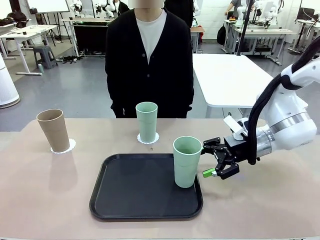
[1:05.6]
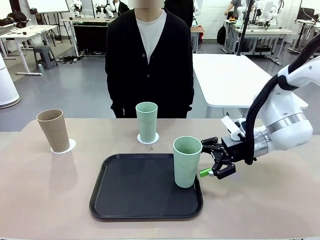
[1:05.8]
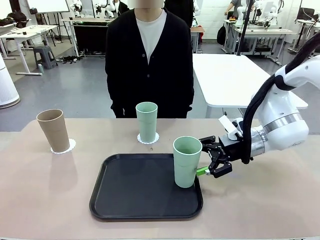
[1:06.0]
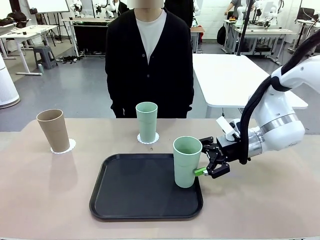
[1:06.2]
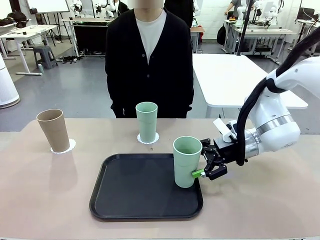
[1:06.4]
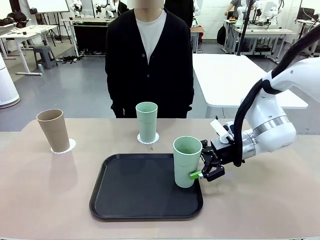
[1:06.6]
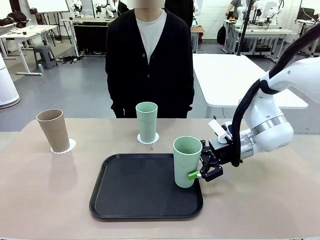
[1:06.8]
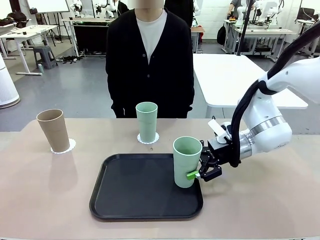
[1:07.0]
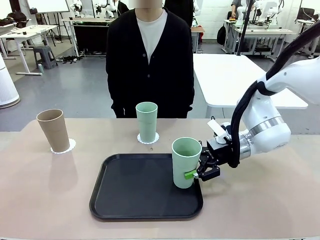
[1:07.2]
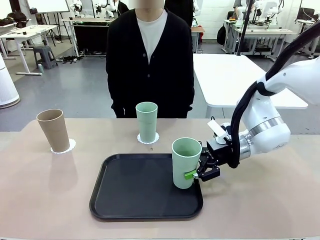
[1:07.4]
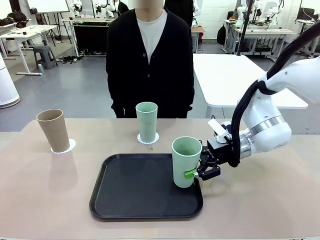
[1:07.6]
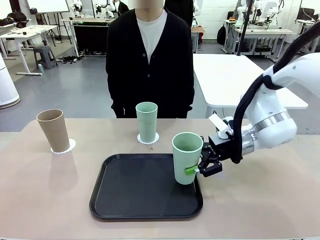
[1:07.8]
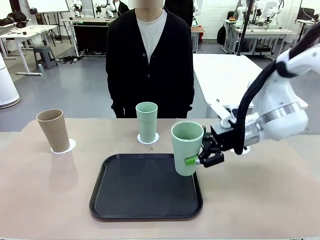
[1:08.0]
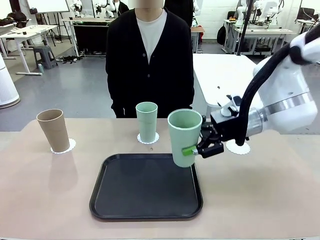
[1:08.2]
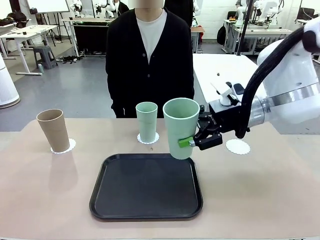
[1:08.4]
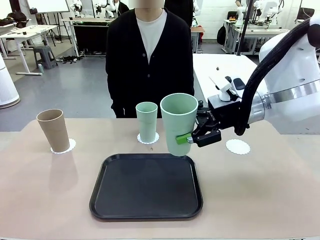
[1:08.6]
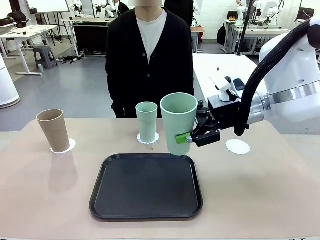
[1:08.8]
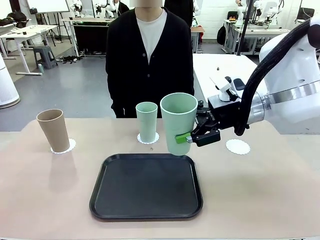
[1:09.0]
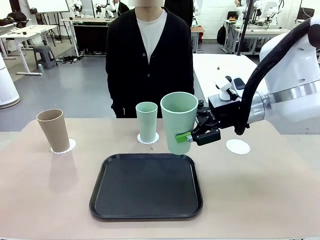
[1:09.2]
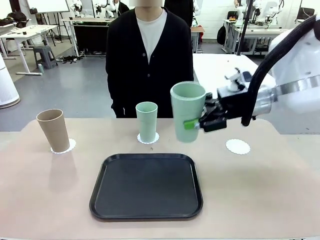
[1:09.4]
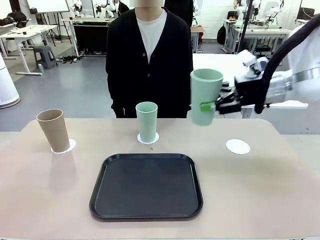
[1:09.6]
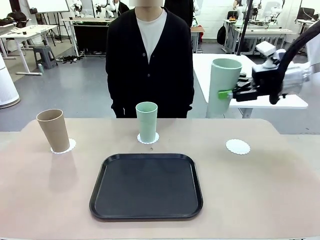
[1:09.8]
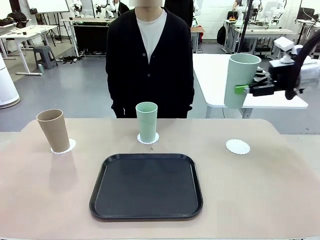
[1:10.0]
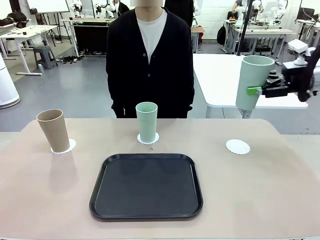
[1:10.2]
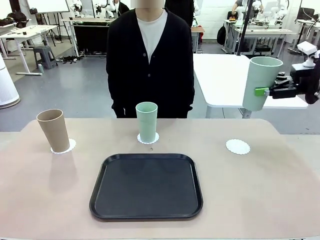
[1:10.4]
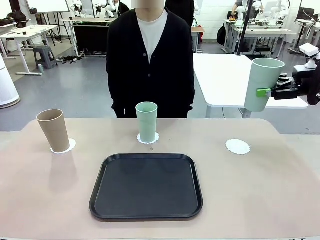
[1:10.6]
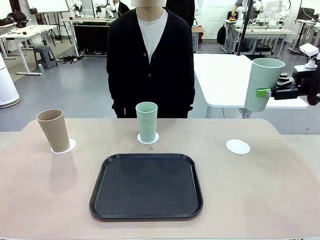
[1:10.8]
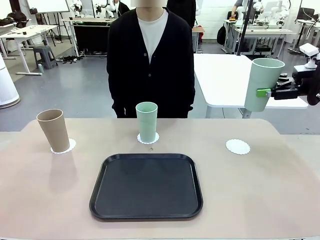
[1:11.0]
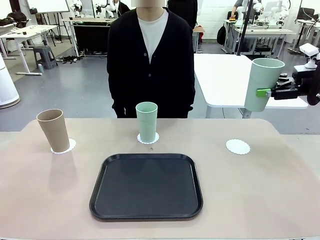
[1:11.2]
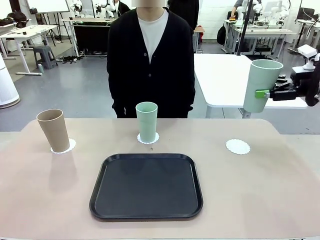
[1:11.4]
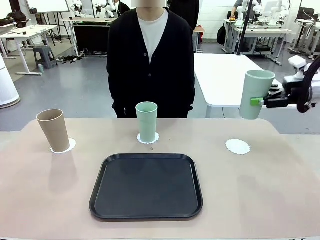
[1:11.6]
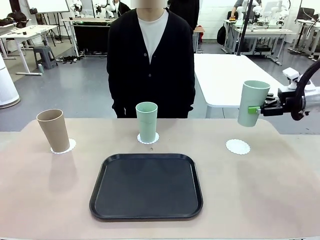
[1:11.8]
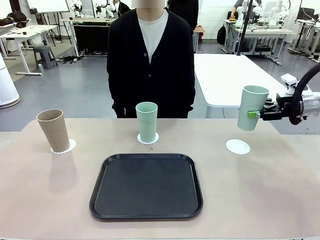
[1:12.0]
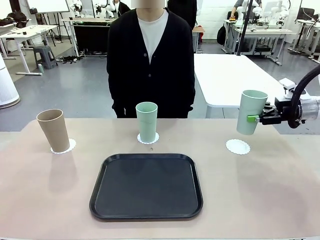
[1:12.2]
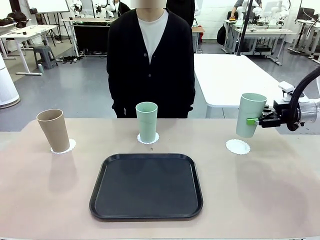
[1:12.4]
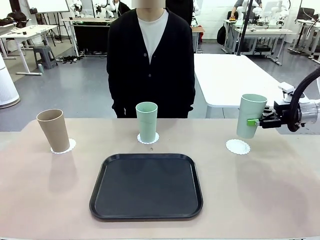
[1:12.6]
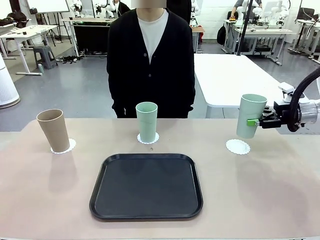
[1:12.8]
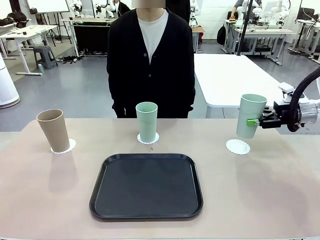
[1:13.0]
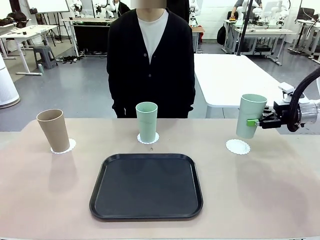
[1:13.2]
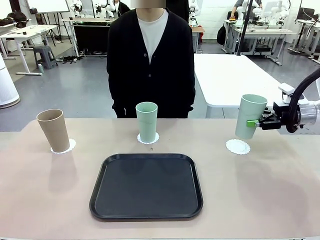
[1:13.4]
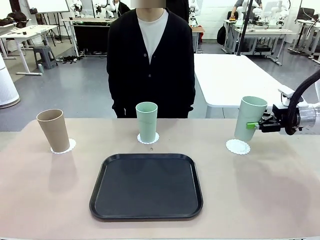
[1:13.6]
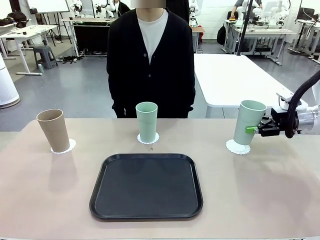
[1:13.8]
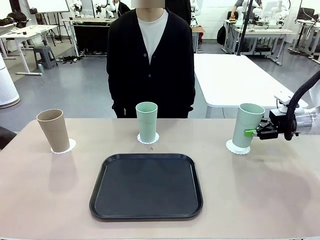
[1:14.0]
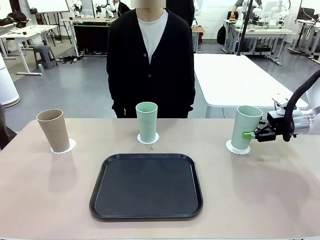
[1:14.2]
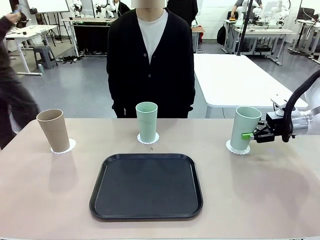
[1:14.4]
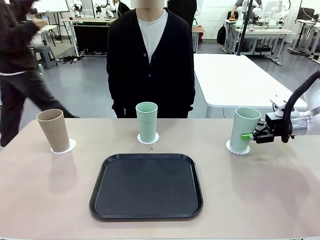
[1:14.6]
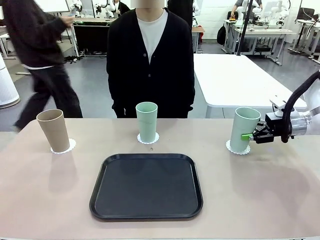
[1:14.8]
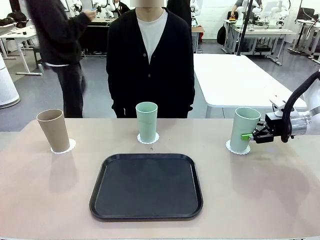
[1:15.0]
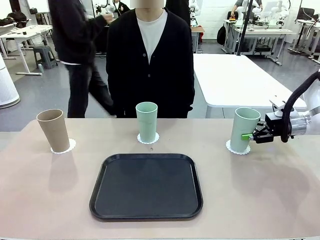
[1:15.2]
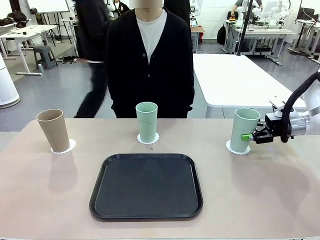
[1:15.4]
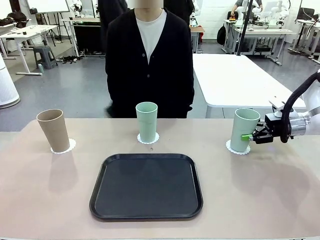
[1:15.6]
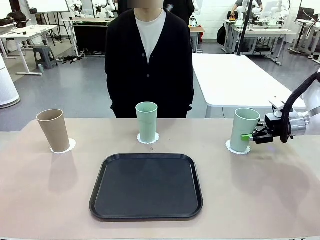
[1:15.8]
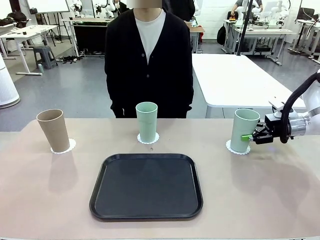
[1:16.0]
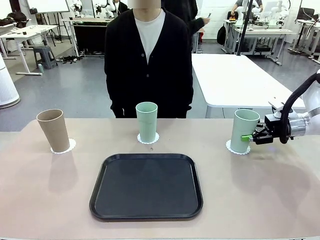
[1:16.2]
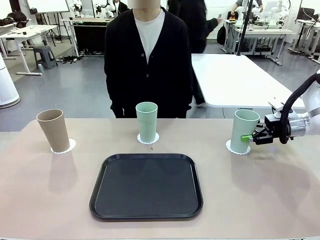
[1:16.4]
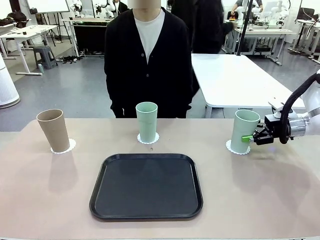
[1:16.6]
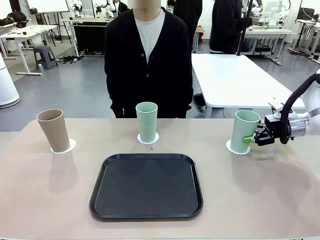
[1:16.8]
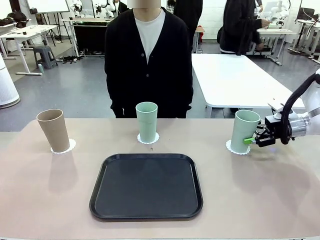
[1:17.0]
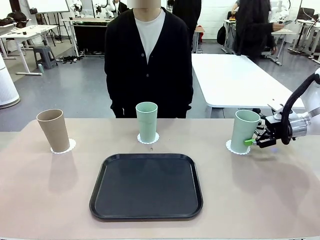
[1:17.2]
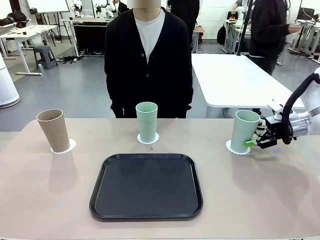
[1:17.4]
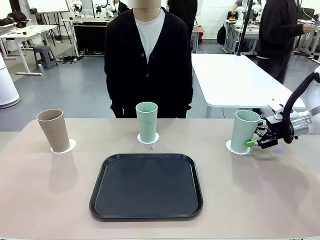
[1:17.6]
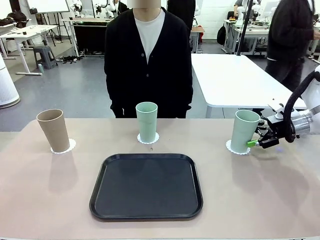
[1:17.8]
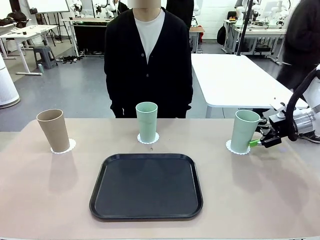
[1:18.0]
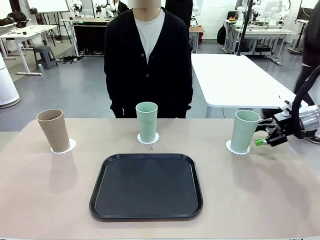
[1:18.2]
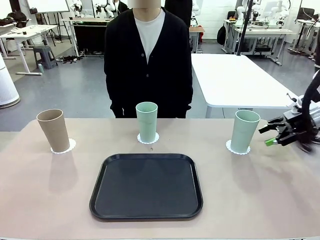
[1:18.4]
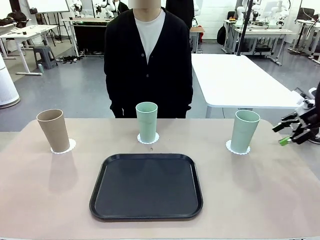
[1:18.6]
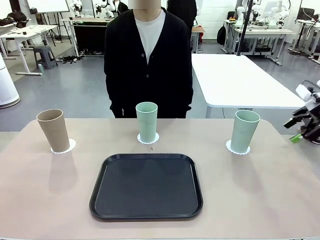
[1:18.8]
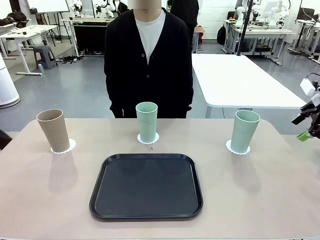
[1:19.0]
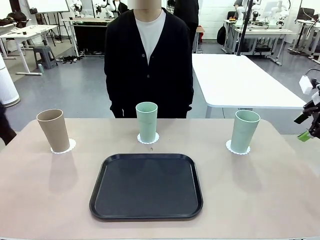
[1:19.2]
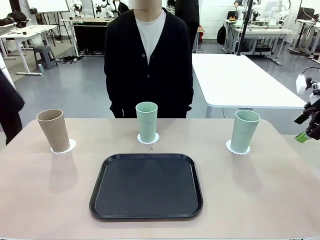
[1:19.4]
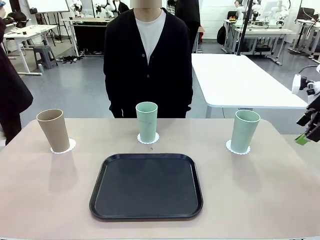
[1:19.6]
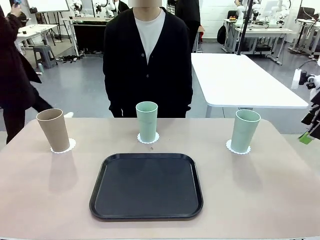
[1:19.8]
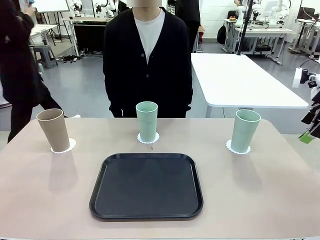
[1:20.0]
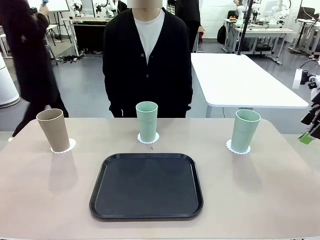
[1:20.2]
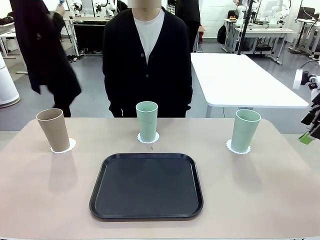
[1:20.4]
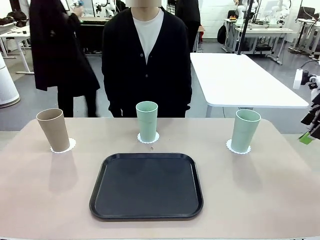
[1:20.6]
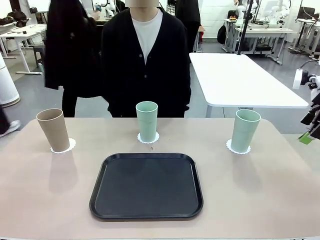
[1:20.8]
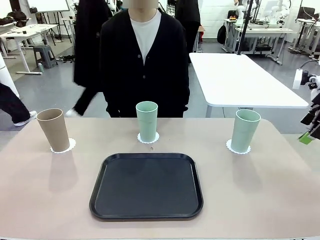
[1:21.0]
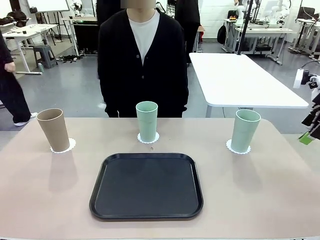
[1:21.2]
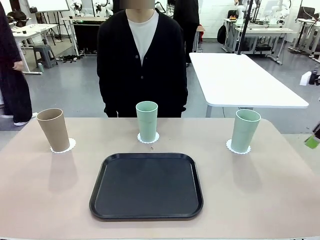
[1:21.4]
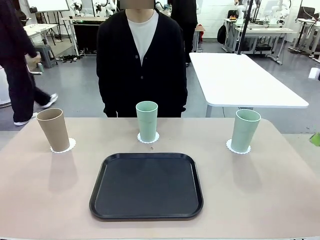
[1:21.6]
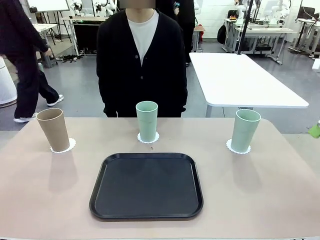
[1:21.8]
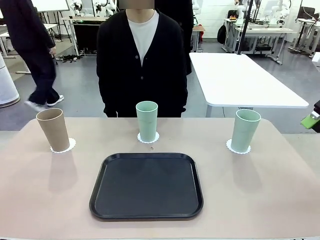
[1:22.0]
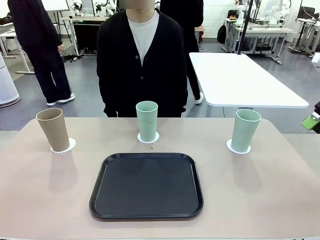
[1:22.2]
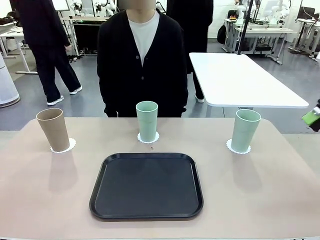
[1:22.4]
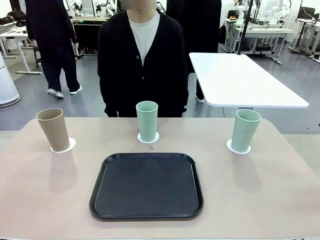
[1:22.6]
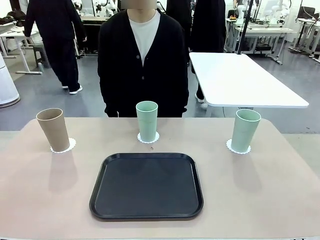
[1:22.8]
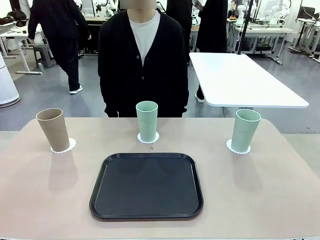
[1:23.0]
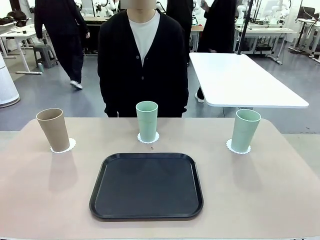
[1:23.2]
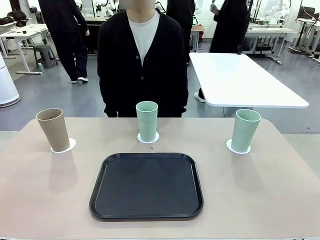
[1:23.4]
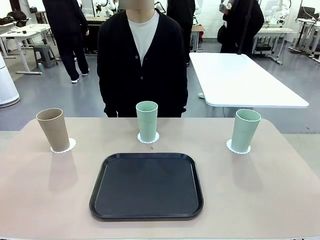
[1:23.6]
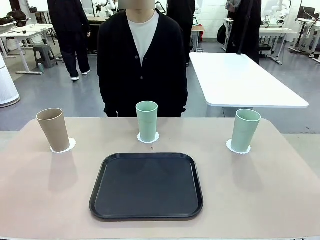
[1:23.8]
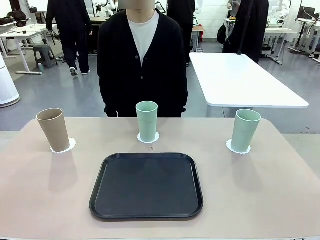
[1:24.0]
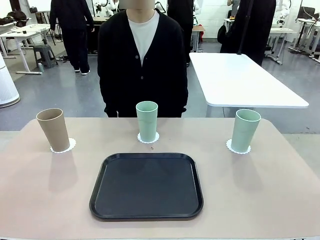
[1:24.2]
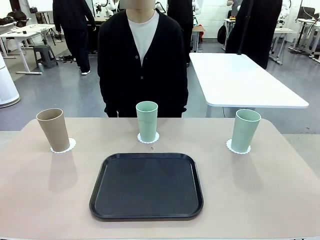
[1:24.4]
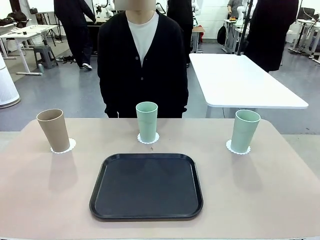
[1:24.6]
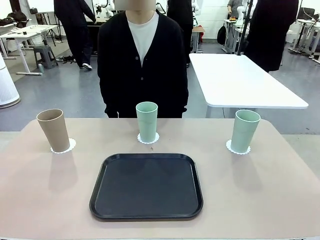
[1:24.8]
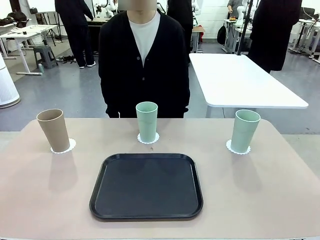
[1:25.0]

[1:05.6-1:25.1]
Task: Place coasters on the table and set cups on them.
Robot: Take one Reusable plastic cup from the Flat Tray and place it on a coaster set by the human.
